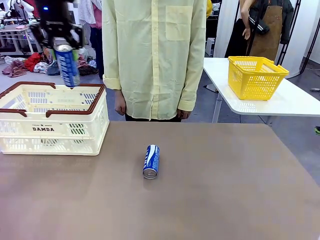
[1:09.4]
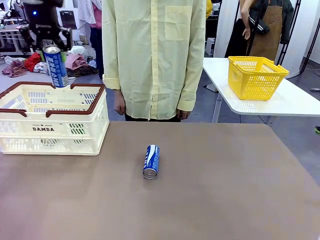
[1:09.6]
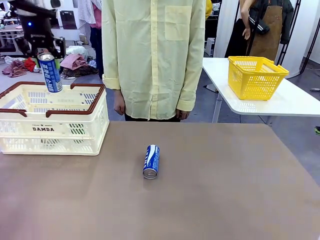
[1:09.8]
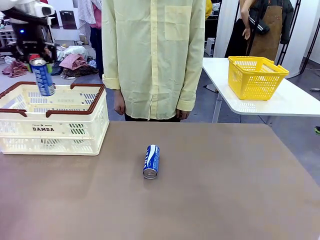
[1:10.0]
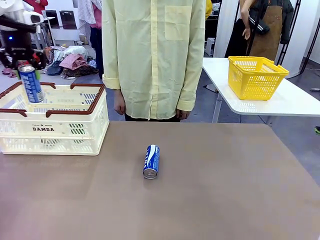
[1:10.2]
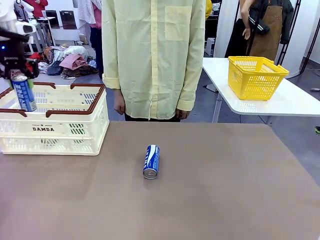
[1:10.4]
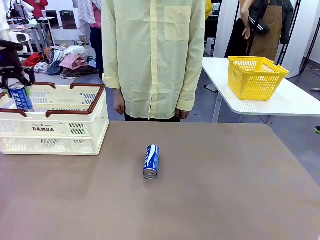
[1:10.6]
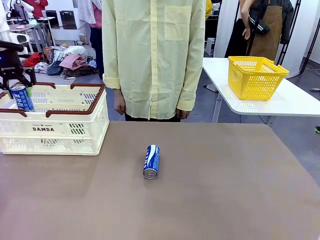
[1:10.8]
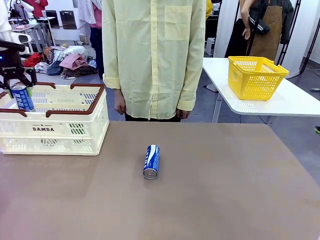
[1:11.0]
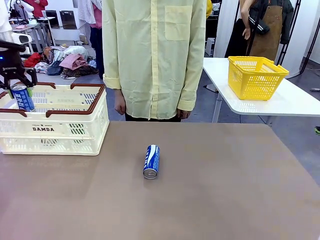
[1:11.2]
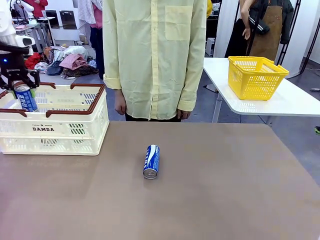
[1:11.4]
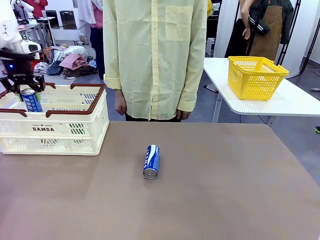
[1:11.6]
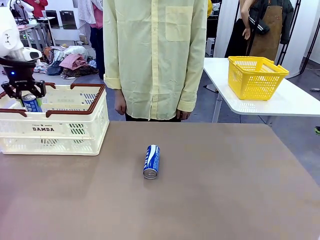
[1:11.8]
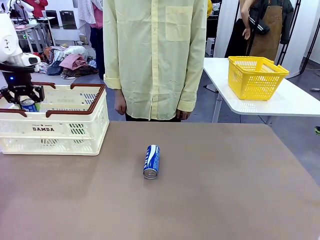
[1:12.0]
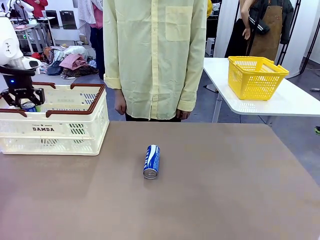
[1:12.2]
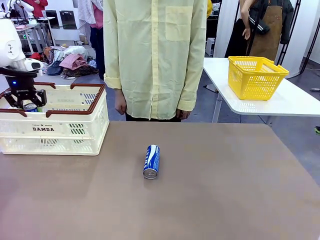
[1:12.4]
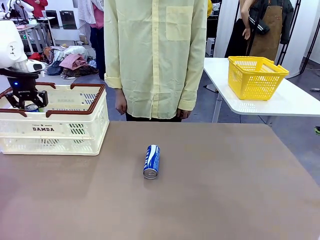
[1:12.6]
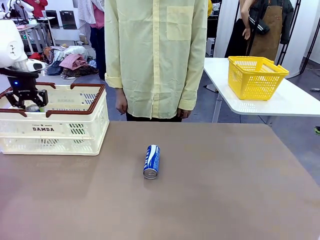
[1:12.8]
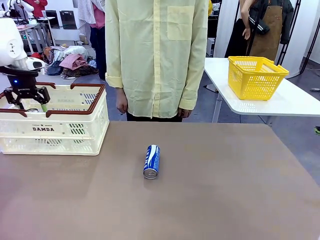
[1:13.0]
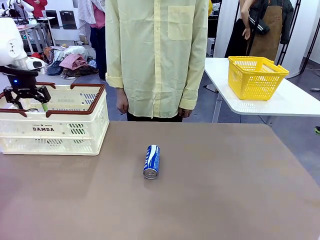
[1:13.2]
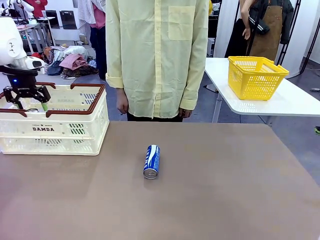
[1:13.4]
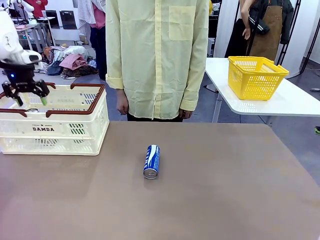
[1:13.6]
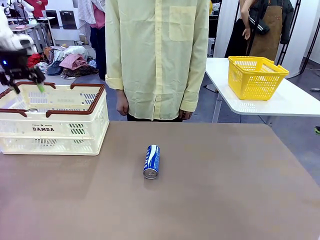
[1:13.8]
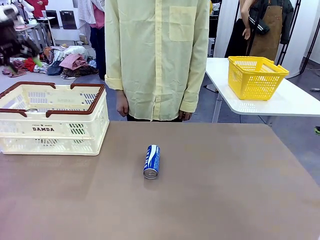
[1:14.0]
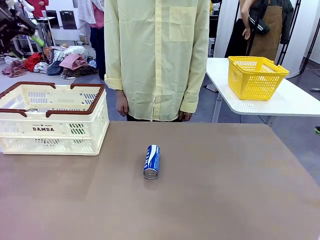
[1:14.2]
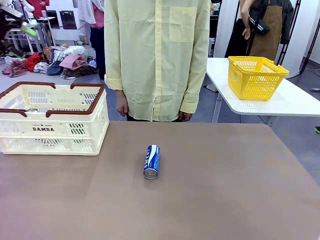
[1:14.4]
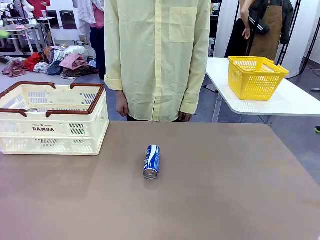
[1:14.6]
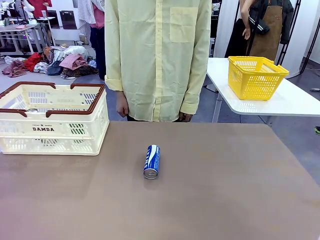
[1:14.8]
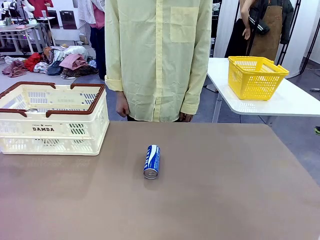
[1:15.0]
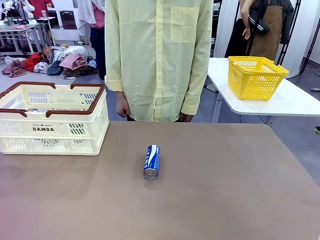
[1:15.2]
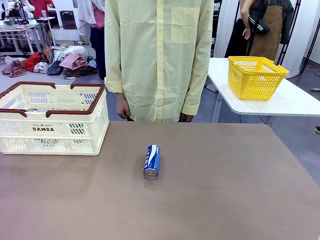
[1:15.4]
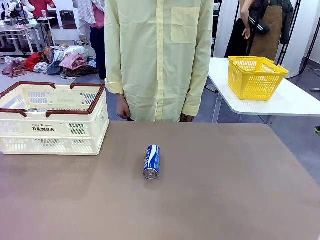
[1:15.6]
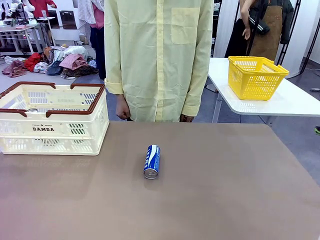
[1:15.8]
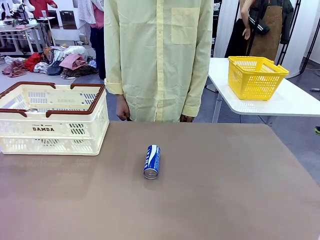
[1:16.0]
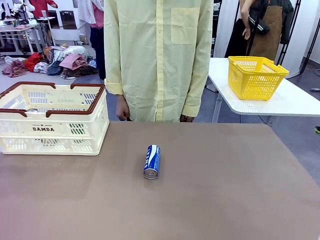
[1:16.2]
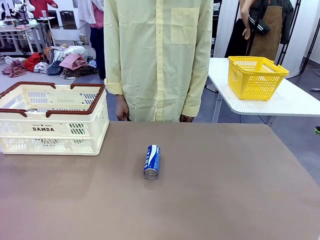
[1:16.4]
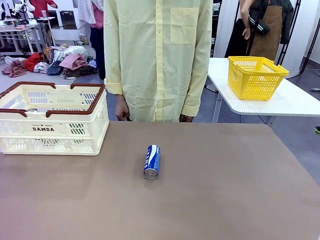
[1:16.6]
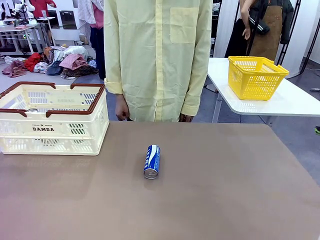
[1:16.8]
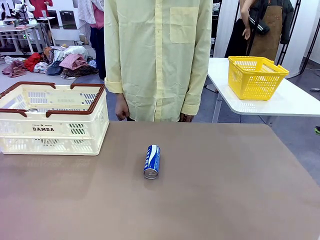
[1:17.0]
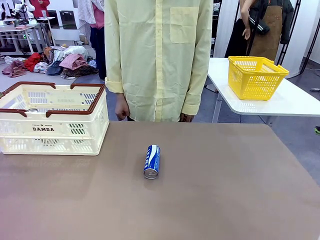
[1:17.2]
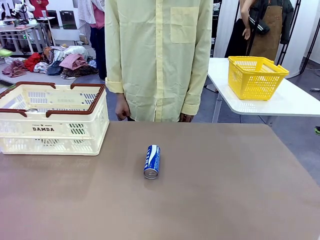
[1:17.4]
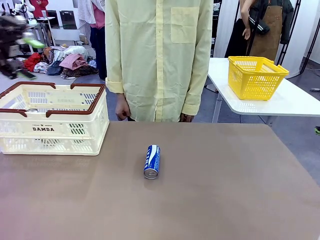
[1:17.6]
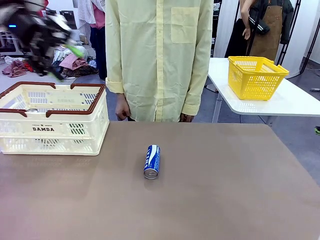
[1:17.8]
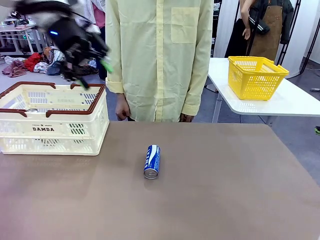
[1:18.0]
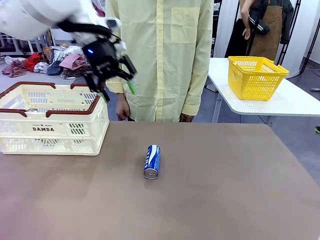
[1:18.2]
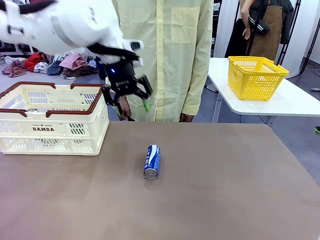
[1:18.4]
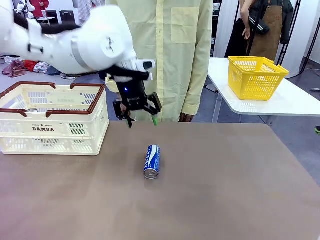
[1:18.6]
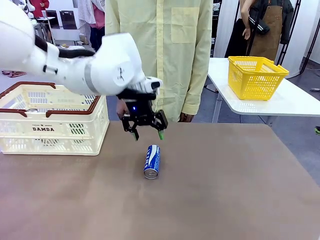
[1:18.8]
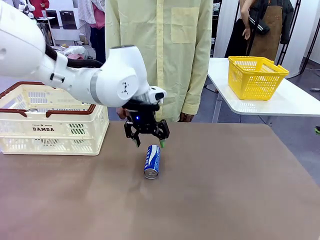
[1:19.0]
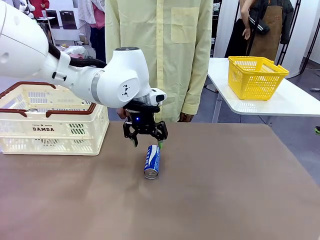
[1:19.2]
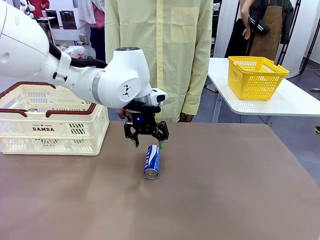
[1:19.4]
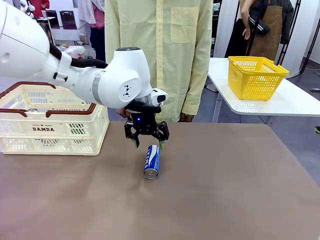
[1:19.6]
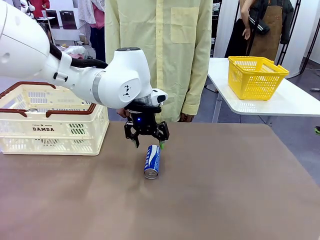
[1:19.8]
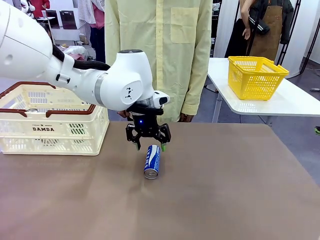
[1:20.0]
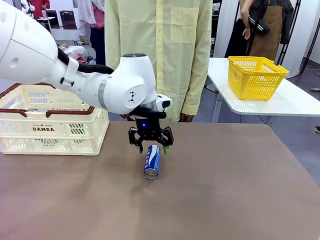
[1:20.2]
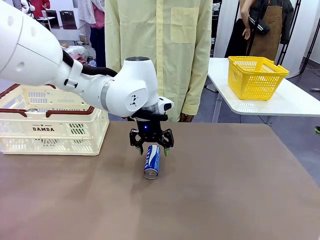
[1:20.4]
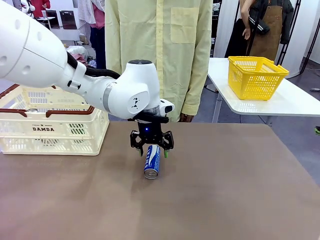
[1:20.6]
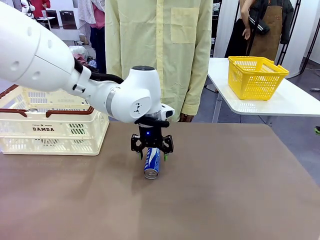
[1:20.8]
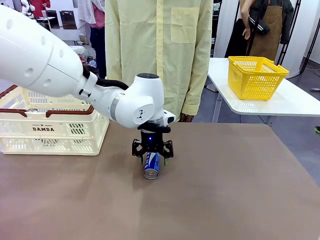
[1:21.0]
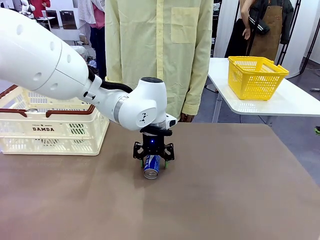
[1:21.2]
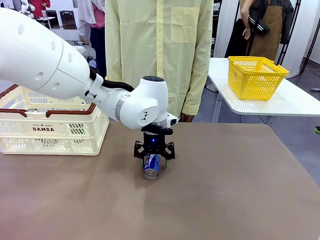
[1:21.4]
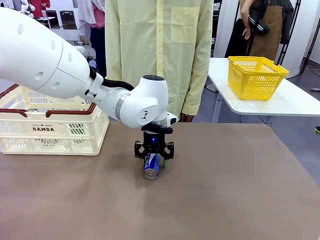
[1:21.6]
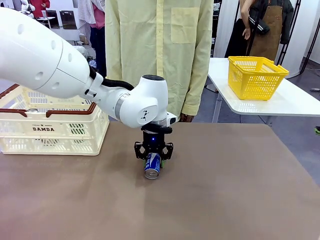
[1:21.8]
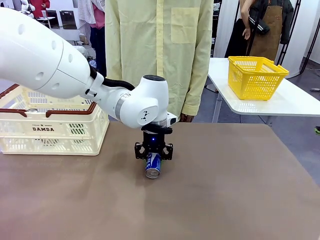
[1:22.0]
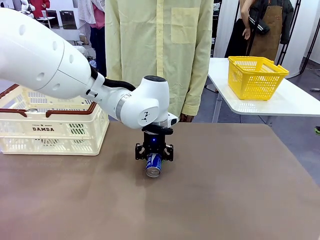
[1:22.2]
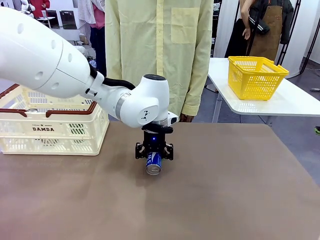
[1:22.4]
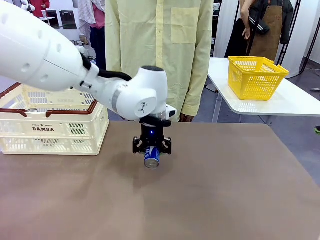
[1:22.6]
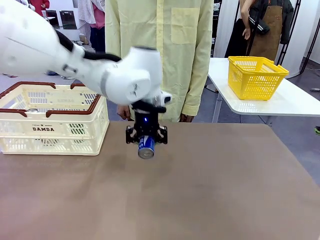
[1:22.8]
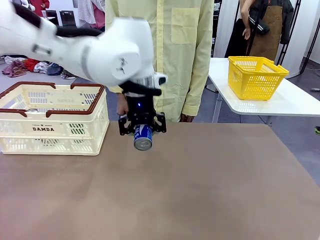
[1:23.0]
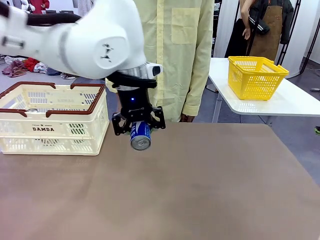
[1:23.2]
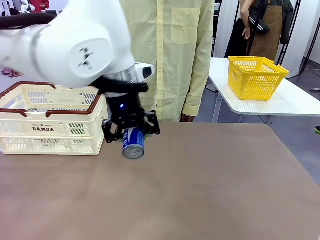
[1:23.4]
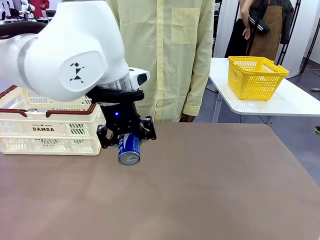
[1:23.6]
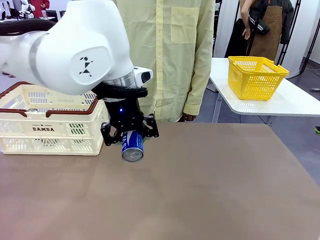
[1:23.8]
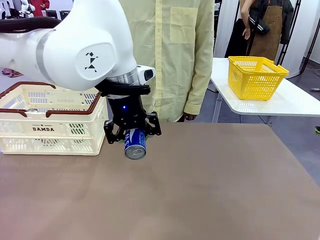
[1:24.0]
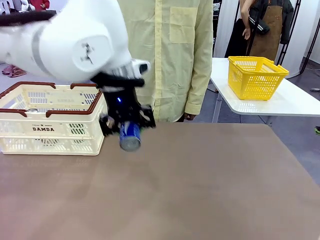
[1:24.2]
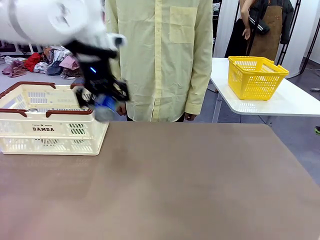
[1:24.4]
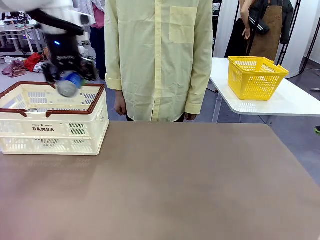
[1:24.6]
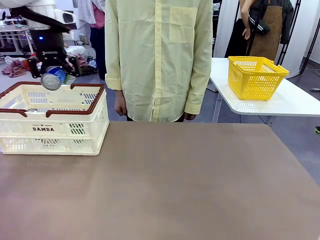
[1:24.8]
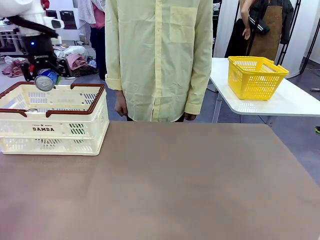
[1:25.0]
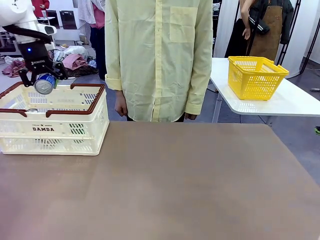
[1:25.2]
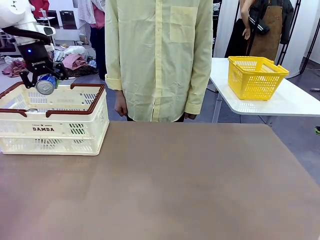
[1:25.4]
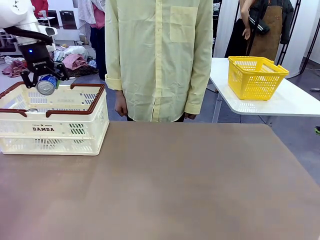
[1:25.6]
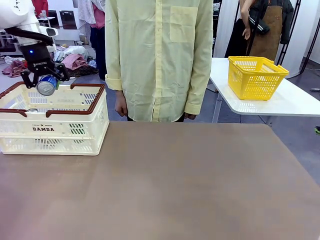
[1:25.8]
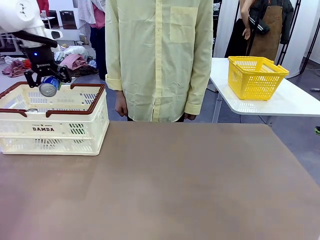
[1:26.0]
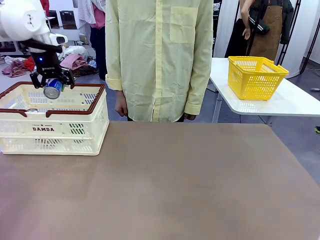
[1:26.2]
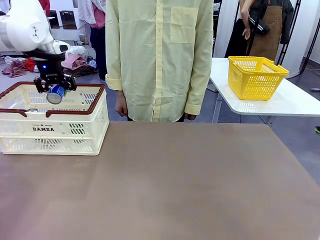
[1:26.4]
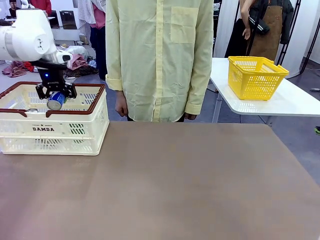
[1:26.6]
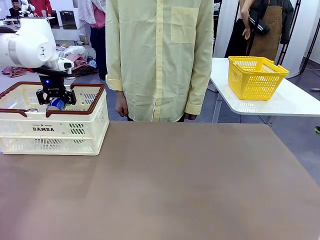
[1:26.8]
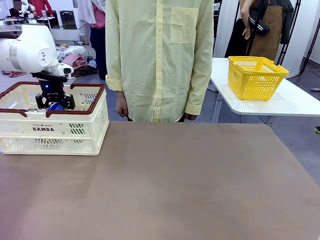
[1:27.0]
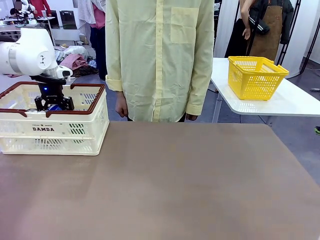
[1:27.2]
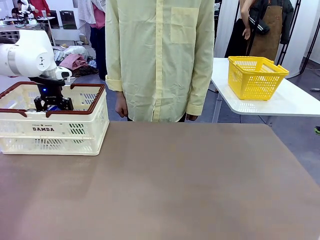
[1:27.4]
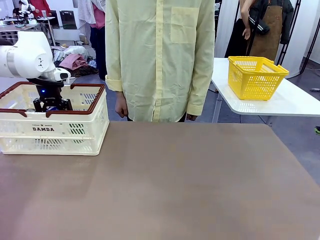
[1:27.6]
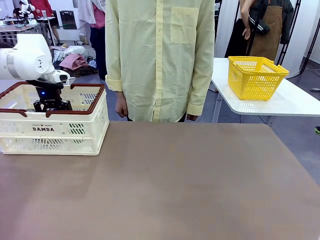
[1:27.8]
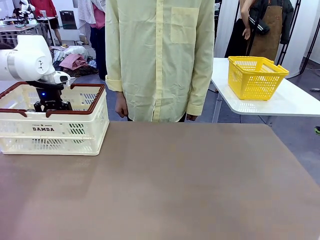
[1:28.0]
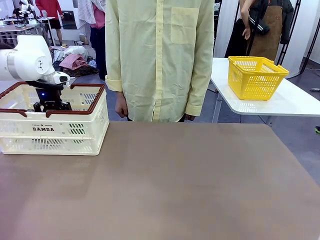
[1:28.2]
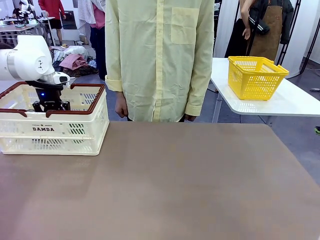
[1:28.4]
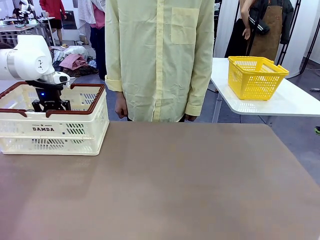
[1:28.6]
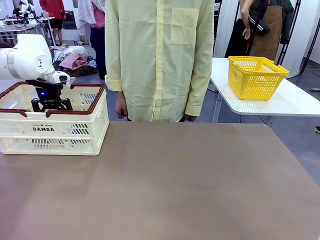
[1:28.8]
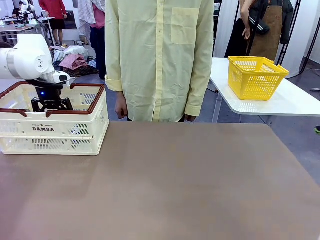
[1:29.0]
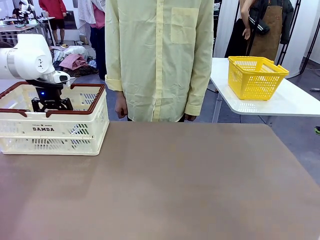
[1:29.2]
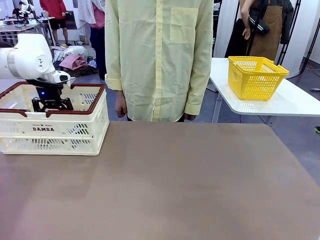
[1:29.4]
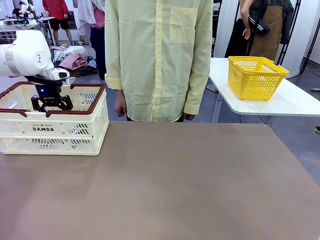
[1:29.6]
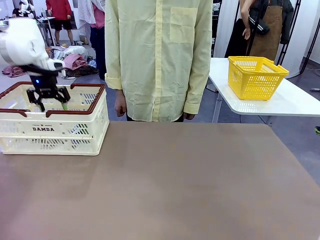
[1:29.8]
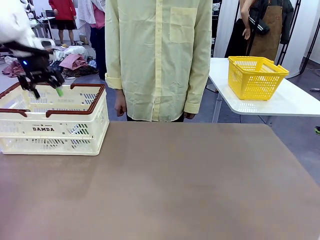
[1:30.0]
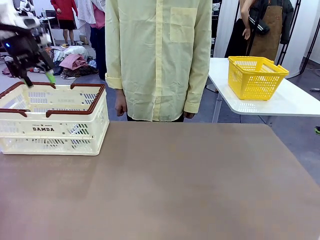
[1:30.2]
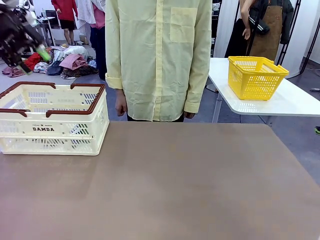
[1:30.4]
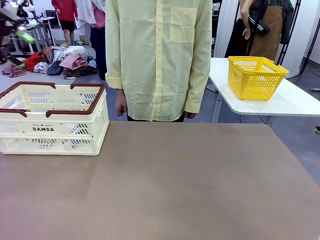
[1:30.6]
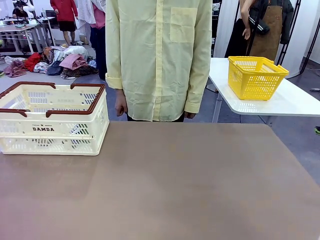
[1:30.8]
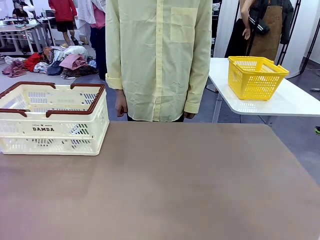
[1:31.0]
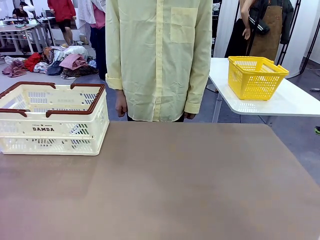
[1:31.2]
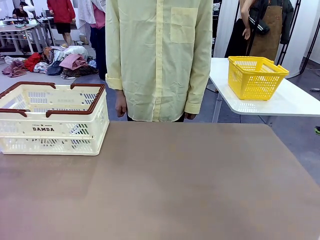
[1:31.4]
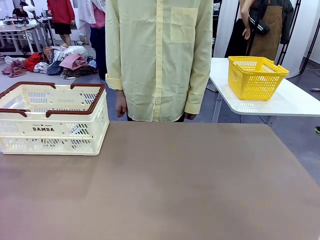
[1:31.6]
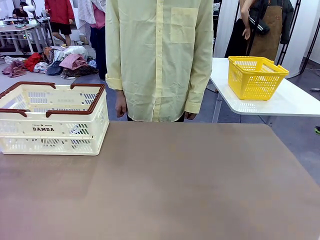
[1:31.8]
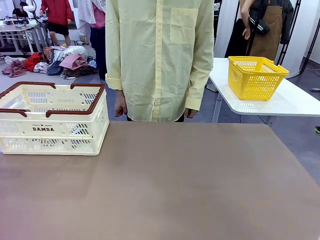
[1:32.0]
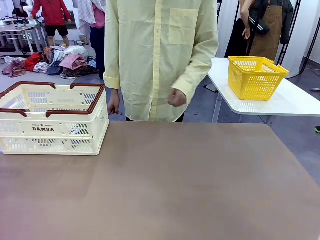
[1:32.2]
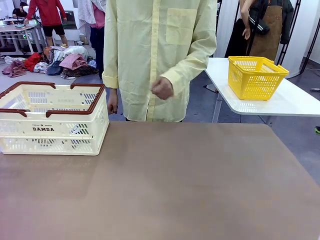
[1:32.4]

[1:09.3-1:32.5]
Task: Place the drinks into the Shopping basket.
Robot: Pick up one drink and place it into the Shopping basket.
